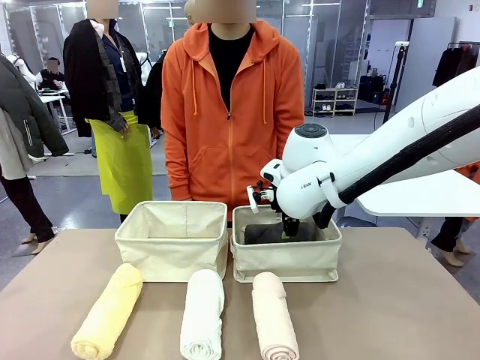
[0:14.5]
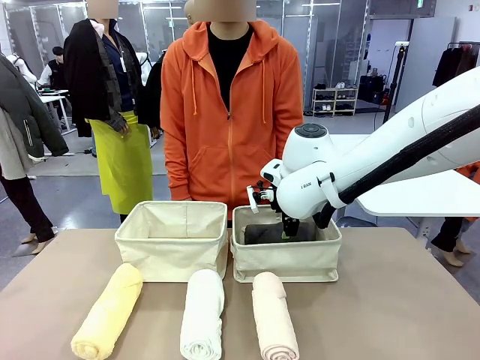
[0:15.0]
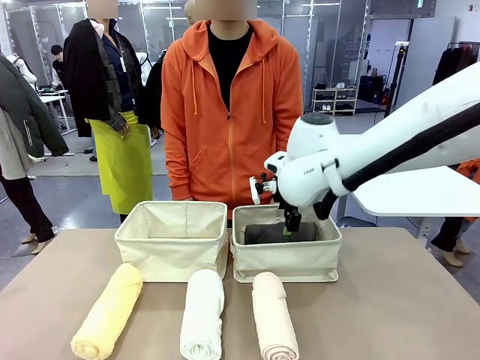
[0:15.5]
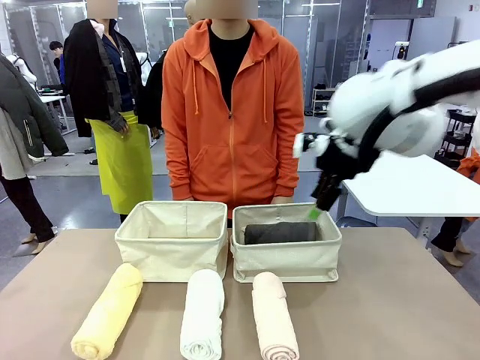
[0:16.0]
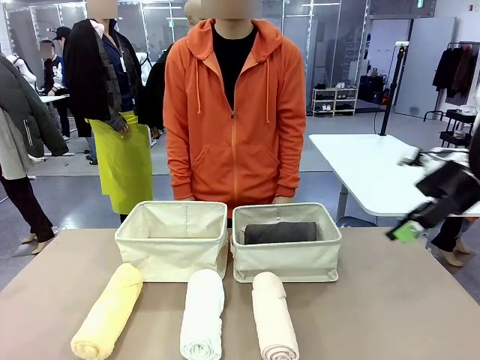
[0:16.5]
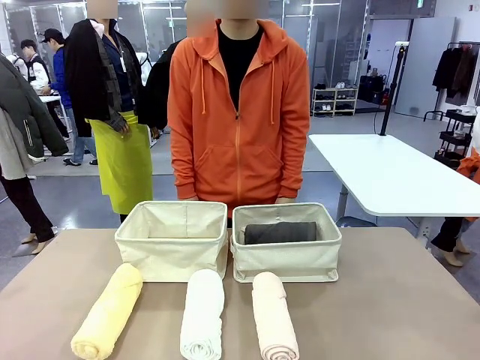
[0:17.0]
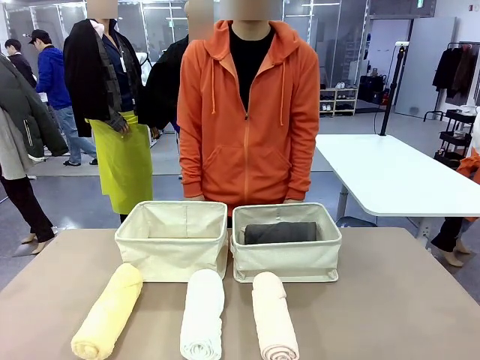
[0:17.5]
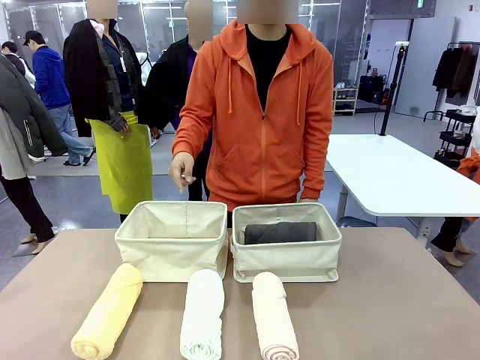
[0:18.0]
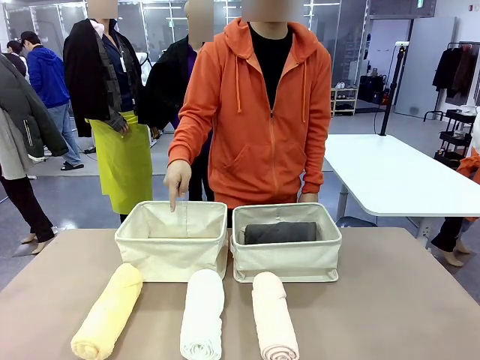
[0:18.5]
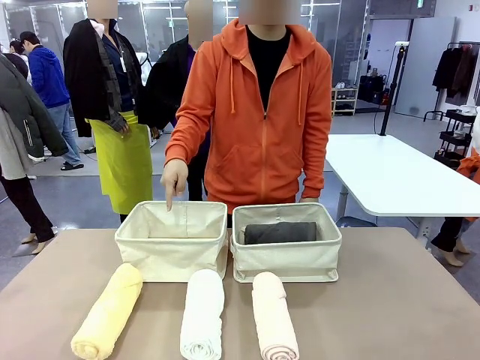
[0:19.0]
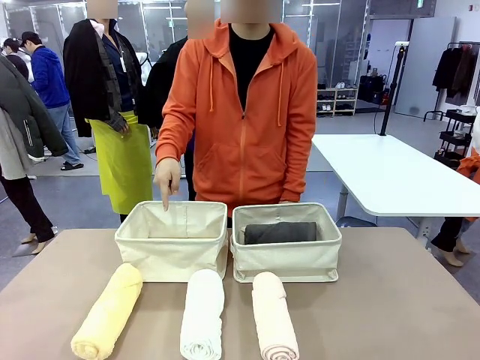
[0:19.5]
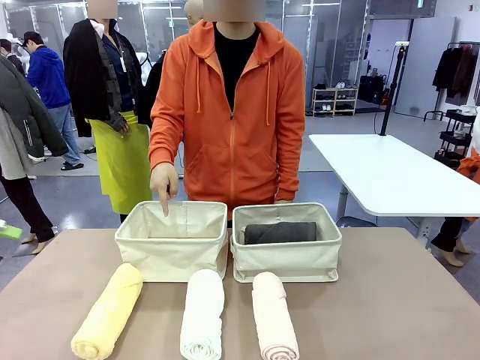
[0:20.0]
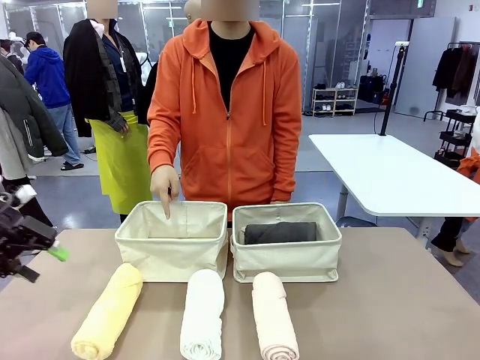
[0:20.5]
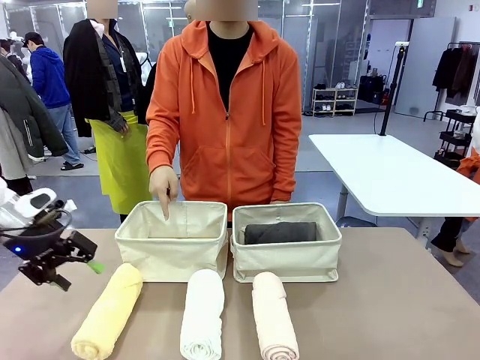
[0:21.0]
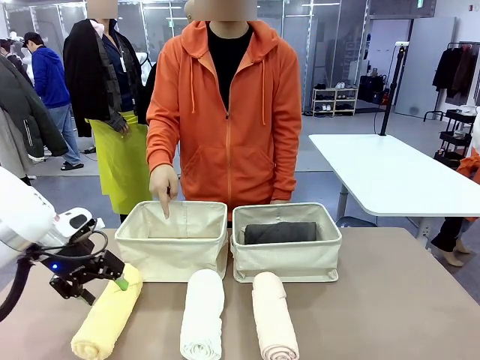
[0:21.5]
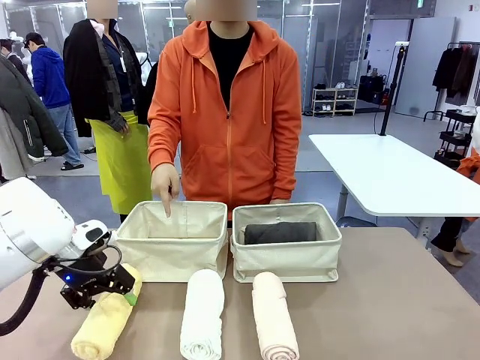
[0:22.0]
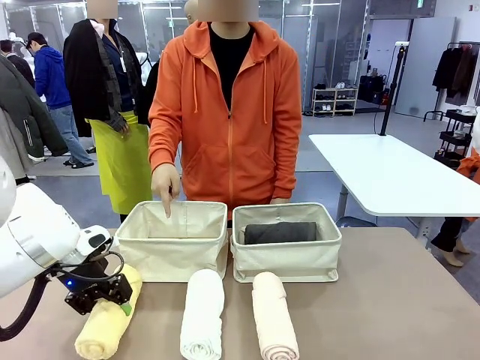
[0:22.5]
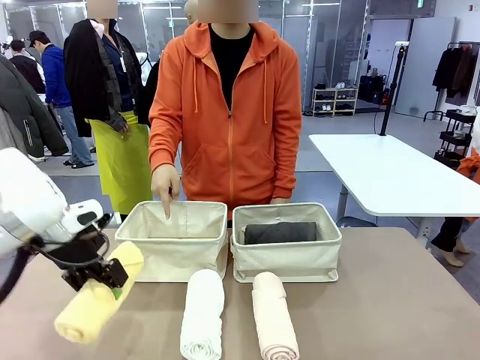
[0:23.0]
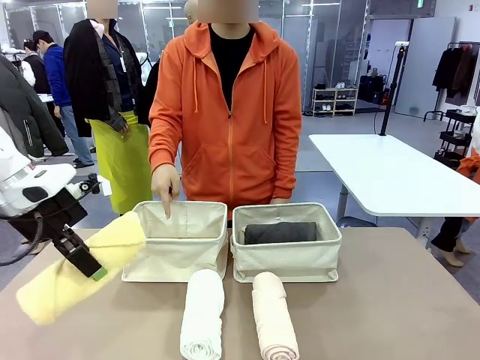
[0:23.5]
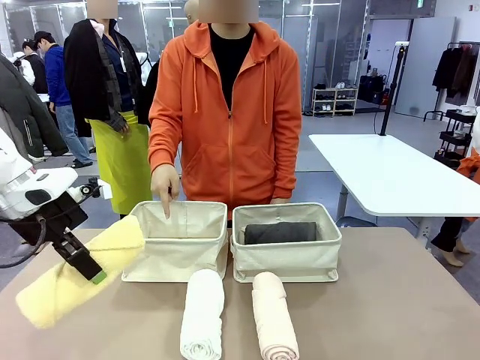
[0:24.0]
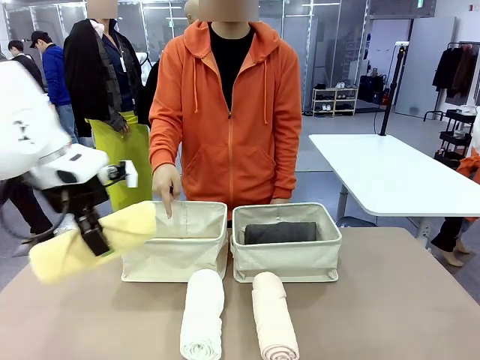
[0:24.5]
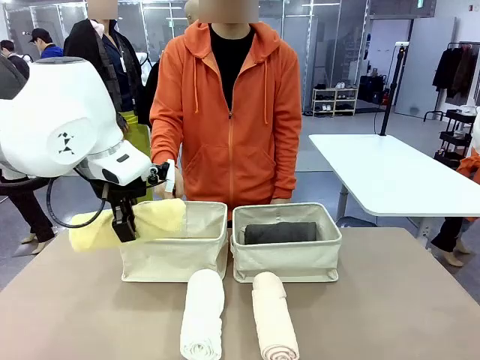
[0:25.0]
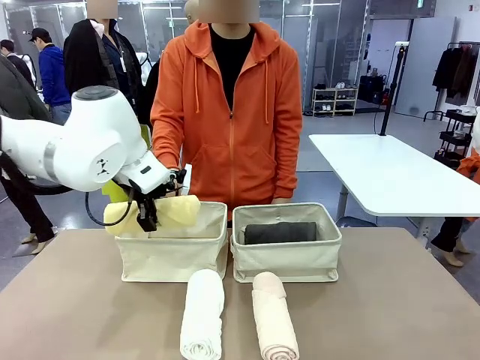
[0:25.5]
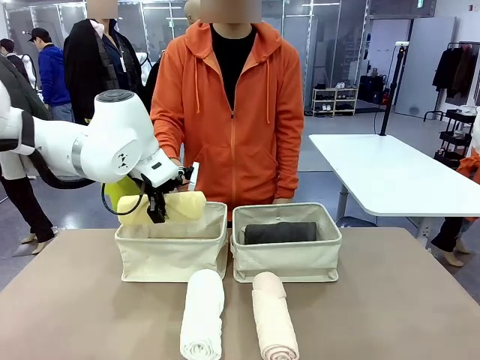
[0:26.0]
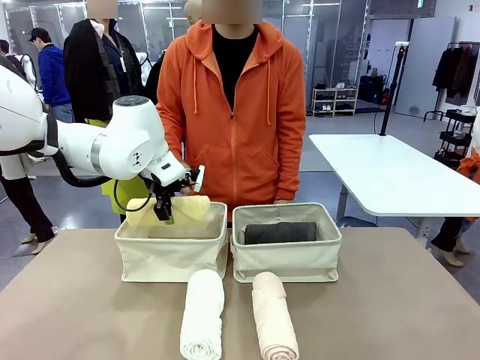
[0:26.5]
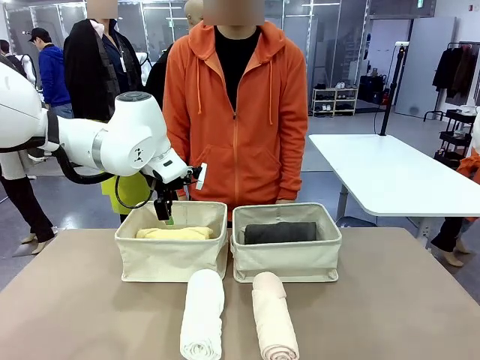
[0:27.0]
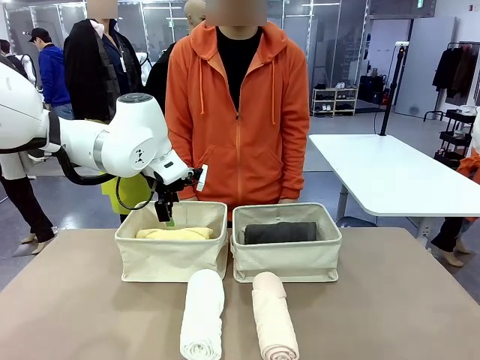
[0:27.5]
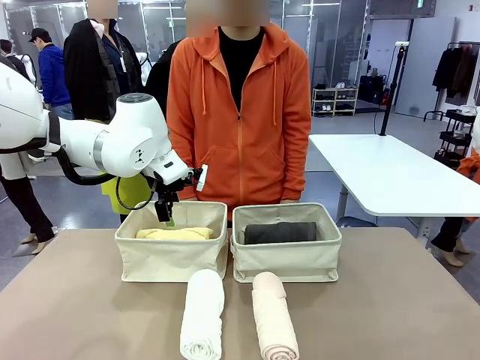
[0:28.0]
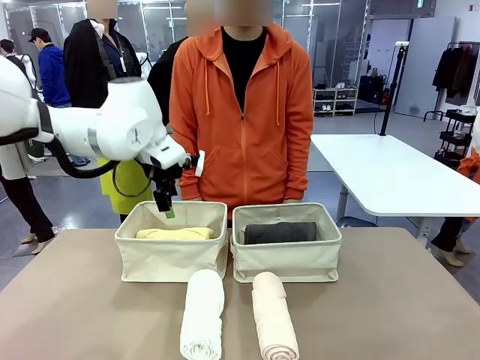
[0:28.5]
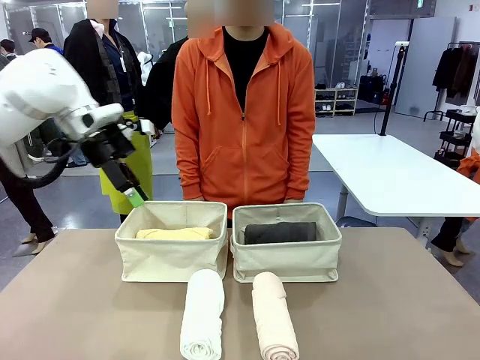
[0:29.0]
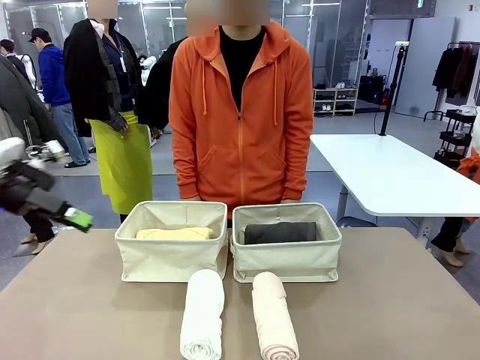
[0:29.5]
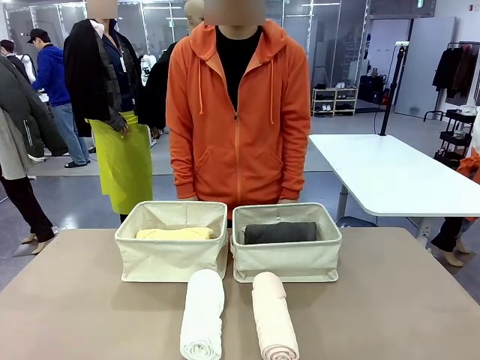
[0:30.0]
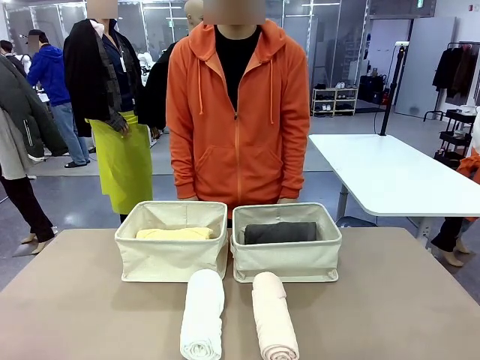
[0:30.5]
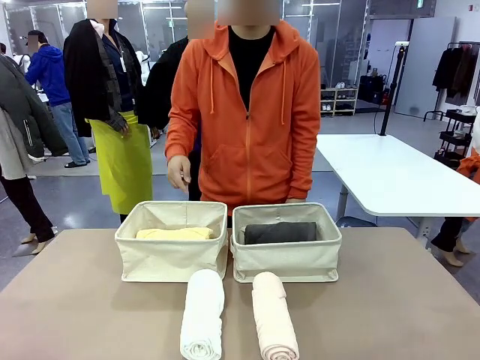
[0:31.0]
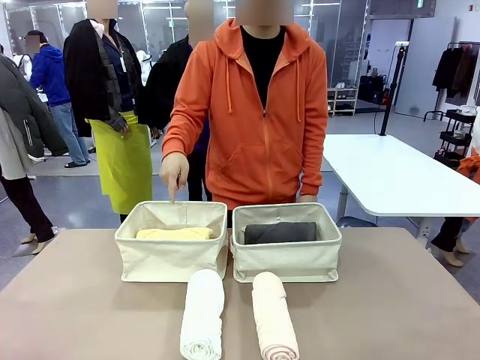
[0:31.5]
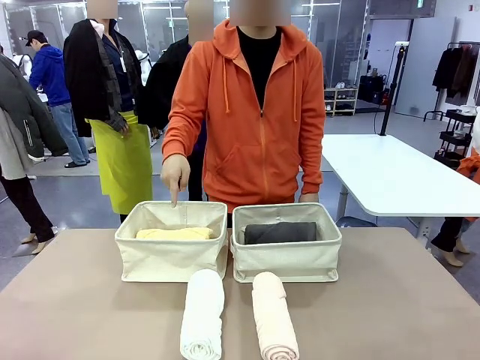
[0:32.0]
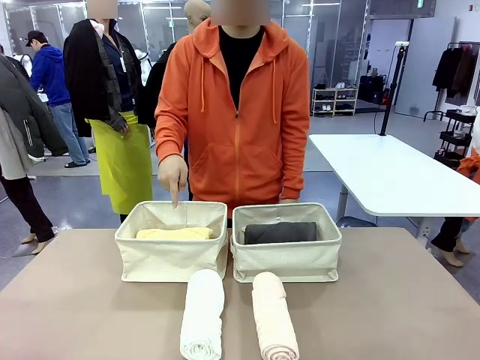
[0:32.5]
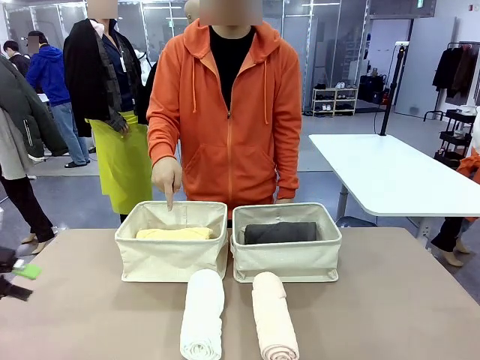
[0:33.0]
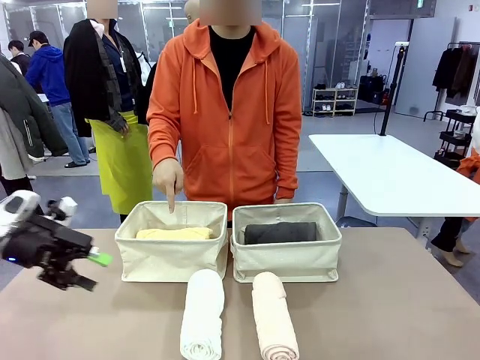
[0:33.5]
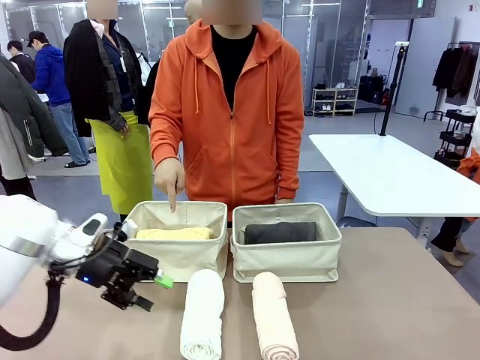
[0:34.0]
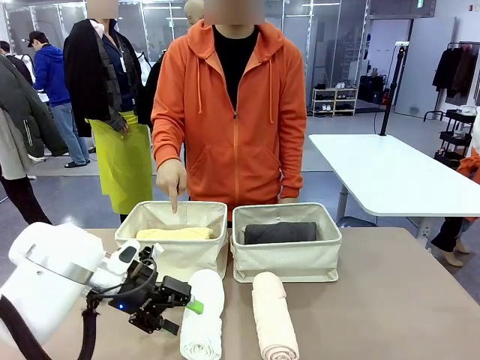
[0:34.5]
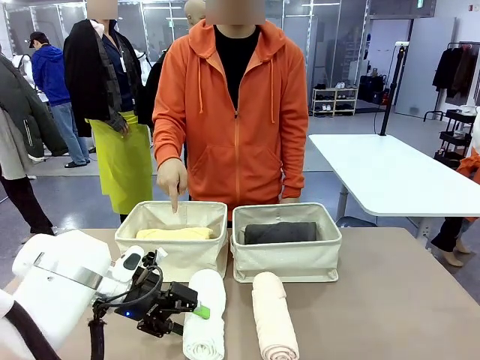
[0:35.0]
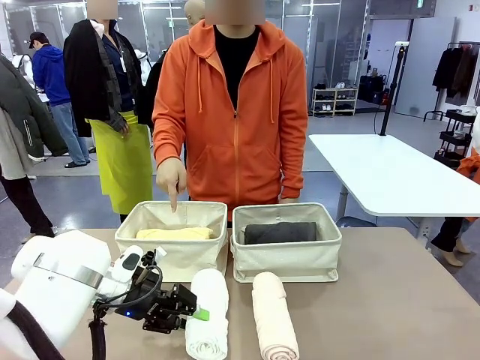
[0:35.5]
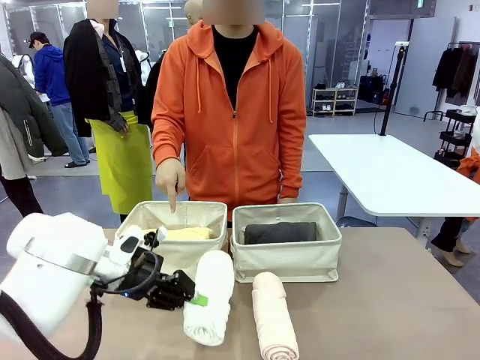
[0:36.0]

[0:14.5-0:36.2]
Task: Divide the towels into two baskets.
Robot: Pick up one hotel-folded towel from the bottom of the table and place it in the Fabric basket indicated by the person.
